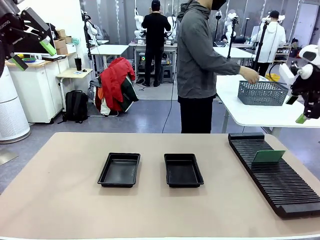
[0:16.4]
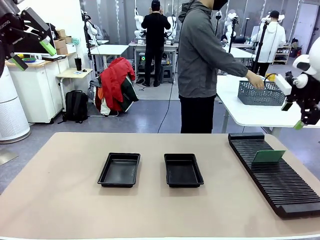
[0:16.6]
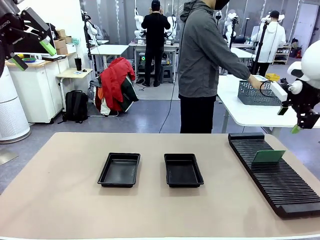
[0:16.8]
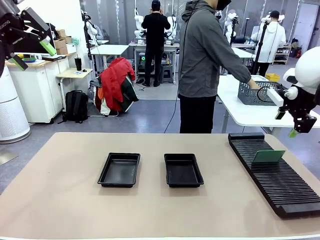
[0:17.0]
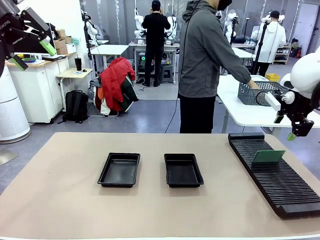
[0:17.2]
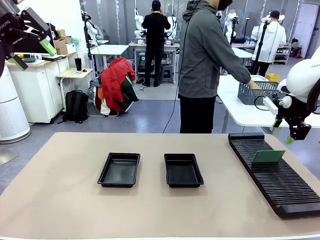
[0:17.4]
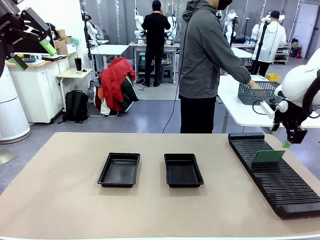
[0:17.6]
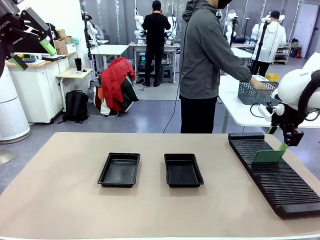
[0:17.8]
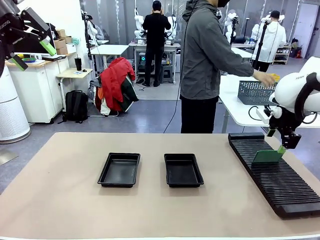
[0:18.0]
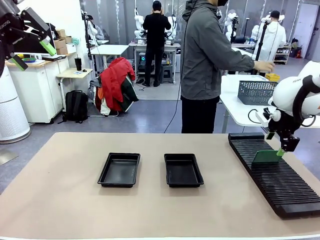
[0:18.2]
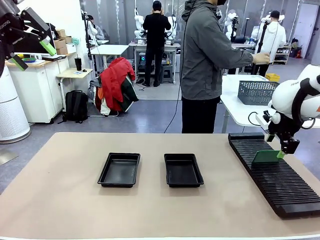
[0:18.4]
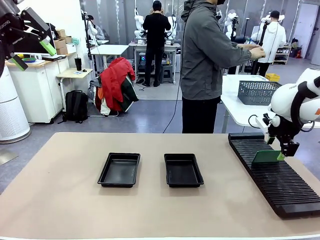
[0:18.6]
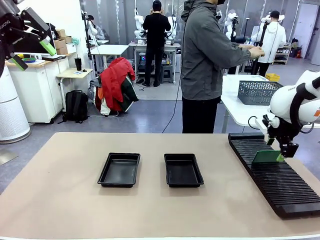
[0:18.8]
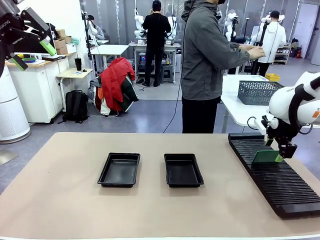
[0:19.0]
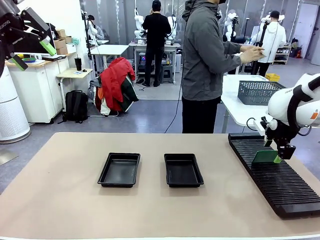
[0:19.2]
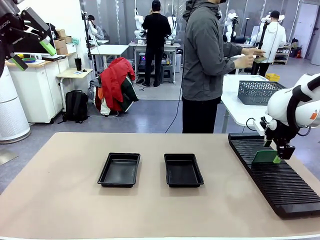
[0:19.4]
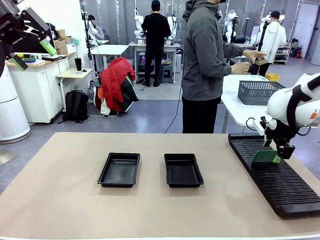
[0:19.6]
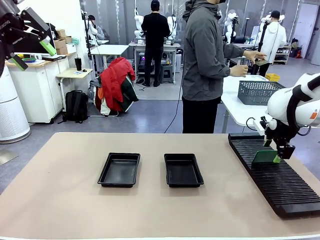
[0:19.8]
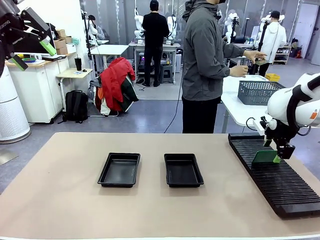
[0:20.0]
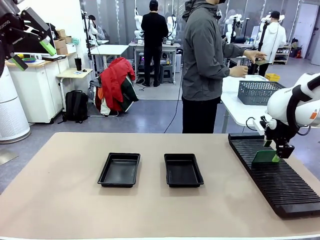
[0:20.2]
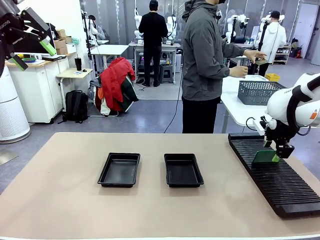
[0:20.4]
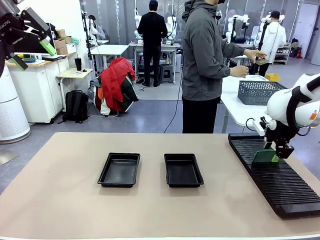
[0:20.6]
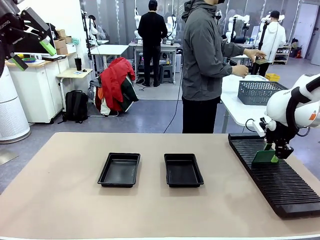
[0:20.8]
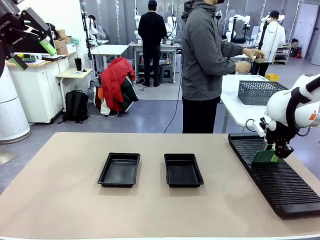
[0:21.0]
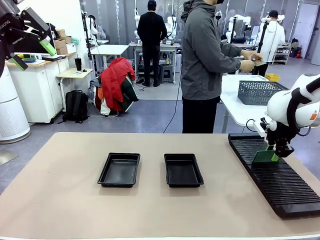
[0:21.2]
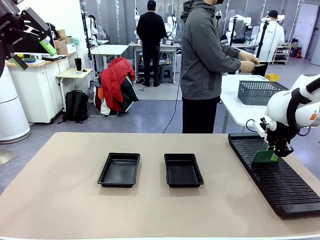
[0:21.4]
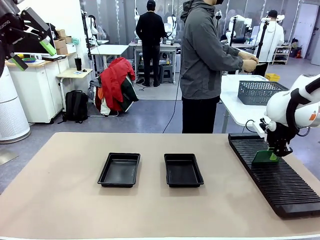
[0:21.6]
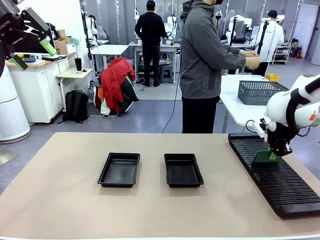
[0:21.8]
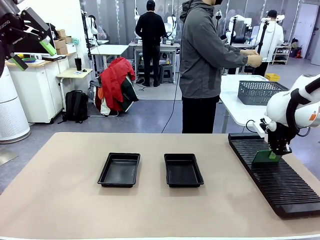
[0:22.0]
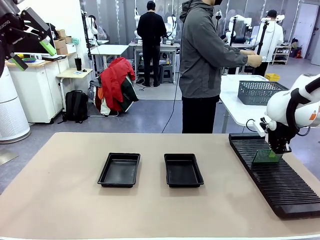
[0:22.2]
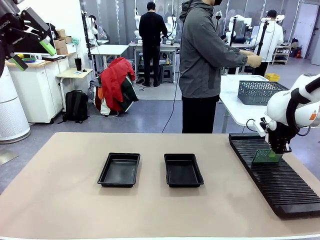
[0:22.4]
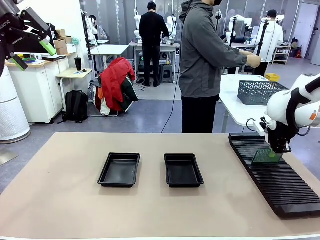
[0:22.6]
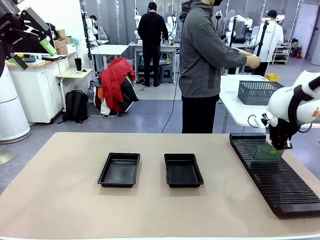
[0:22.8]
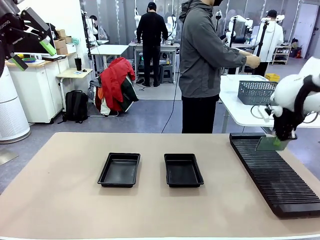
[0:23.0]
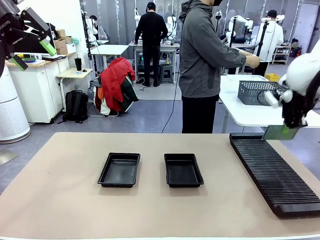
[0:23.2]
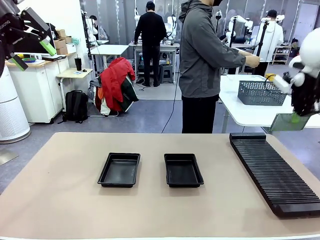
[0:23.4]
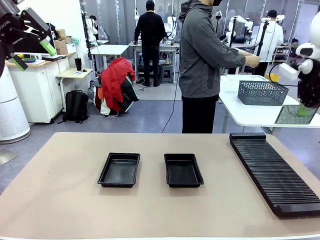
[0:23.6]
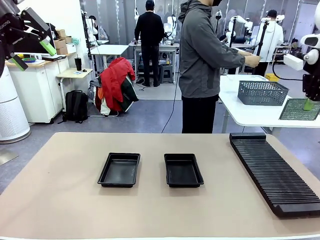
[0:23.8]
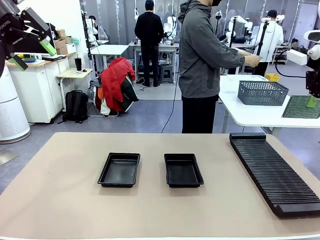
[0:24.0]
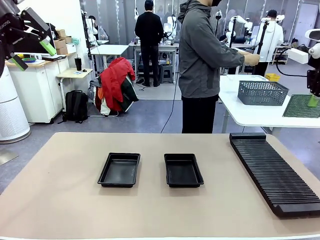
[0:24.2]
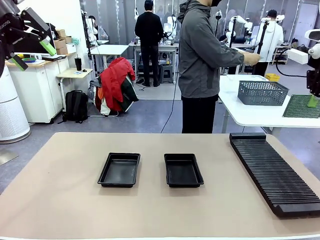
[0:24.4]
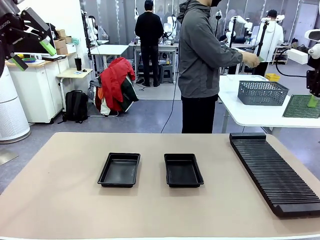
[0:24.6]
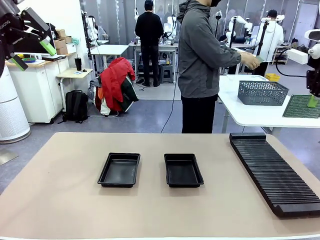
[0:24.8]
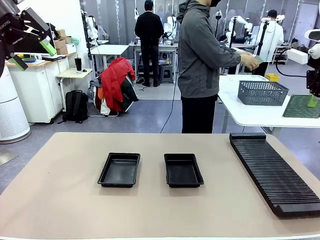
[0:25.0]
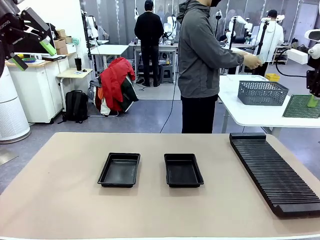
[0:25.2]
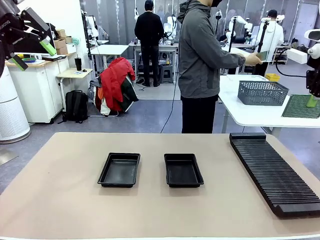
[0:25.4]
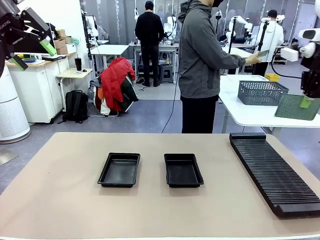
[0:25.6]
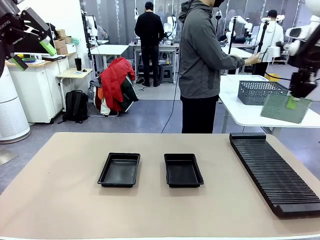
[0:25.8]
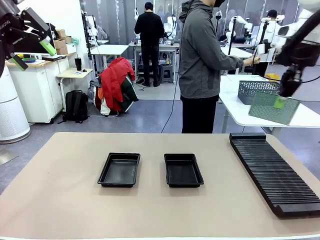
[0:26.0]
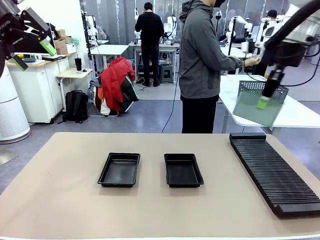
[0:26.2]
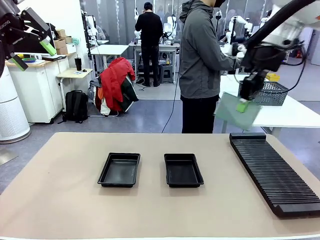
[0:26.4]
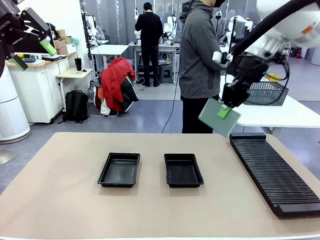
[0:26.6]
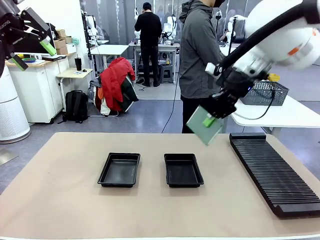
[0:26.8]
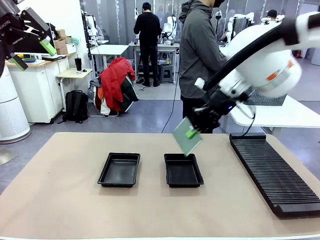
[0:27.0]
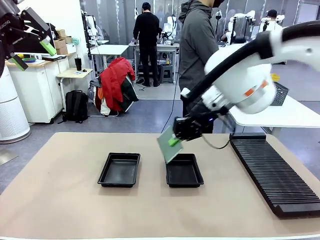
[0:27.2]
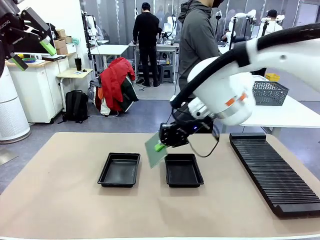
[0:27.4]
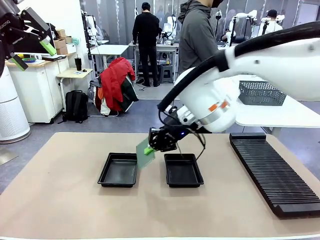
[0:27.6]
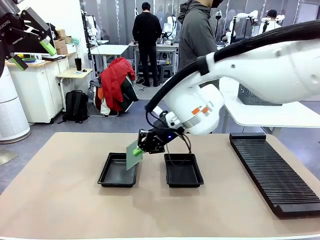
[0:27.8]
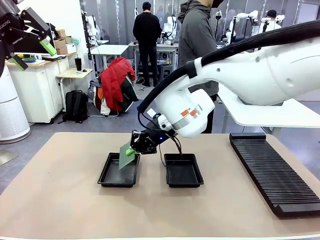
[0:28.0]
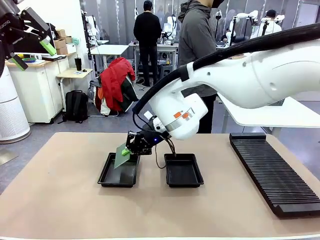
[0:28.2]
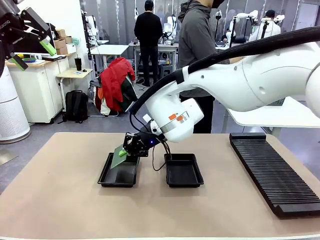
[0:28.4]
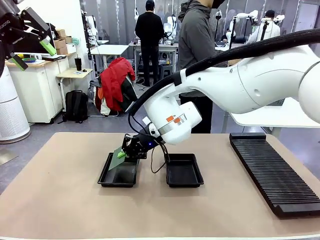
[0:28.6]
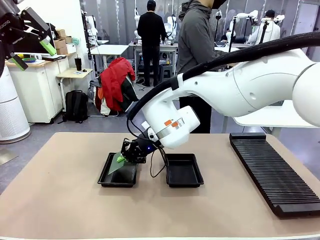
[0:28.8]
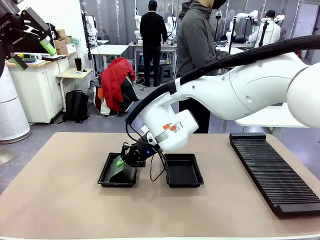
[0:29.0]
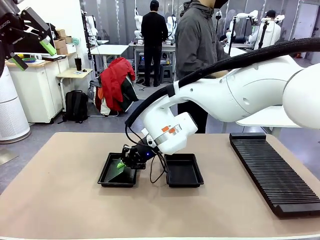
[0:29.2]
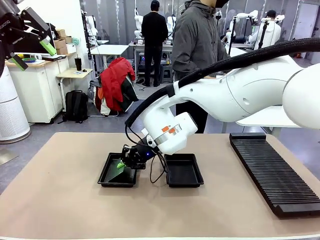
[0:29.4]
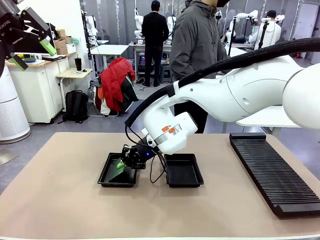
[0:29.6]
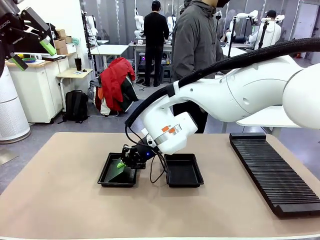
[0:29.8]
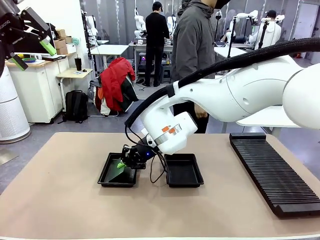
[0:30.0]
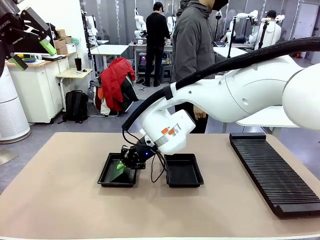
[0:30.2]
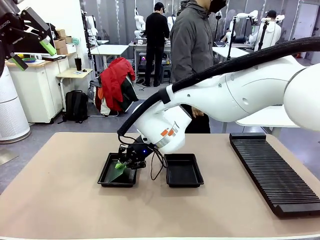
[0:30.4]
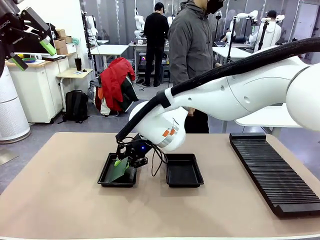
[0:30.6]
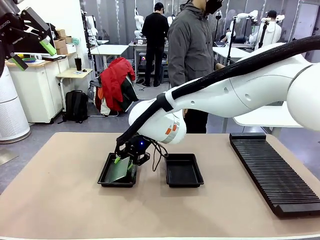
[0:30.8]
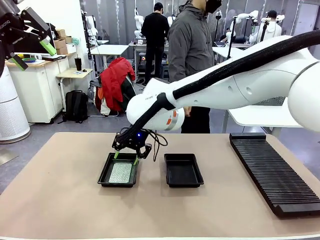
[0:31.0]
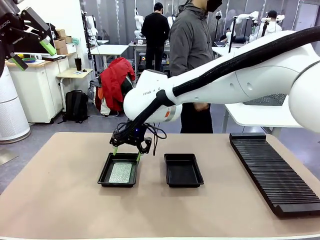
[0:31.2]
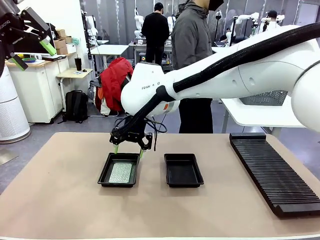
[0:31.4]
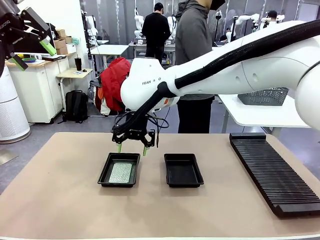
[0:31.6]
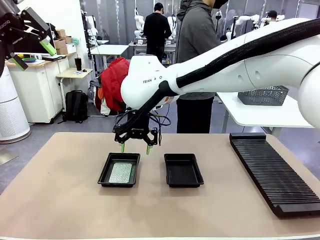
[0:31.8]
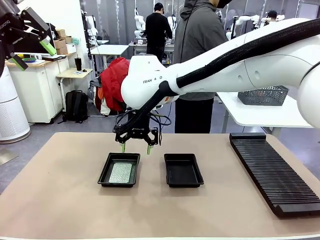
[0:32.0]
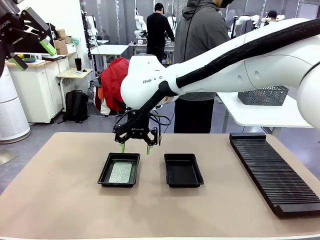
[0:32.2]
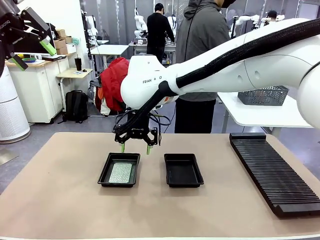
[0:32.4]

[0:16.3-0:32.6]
Task: Inspect and transfer BCBs to ESD trays.
Robot: Pick up the Blank PCB from the PCB Rack and place it in the left ESD tray.
